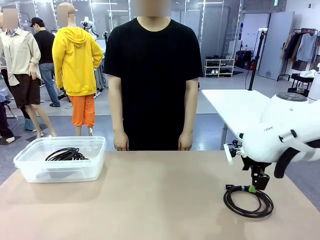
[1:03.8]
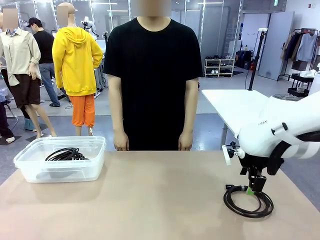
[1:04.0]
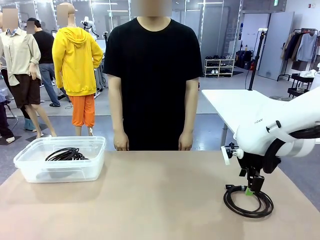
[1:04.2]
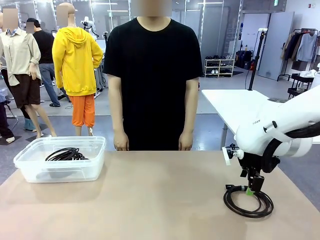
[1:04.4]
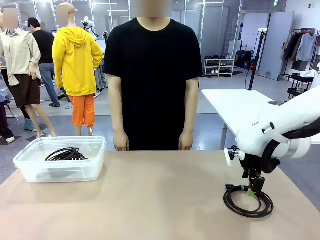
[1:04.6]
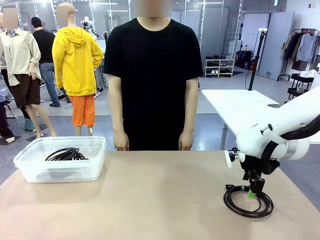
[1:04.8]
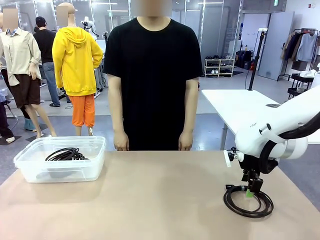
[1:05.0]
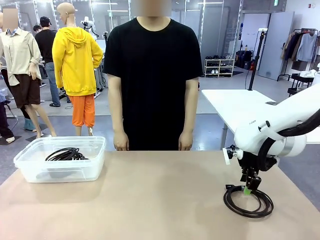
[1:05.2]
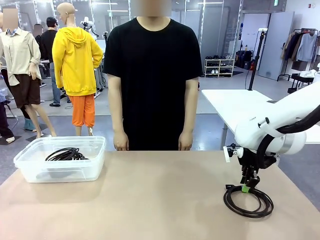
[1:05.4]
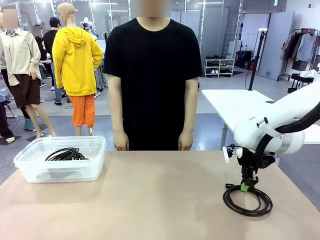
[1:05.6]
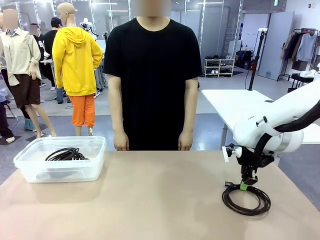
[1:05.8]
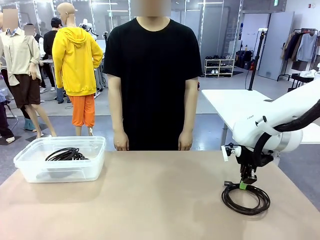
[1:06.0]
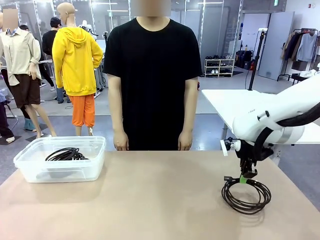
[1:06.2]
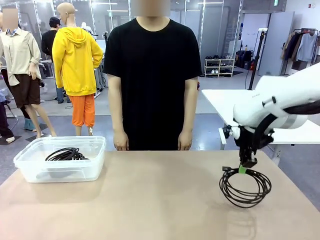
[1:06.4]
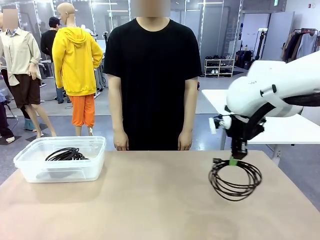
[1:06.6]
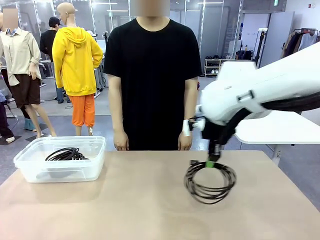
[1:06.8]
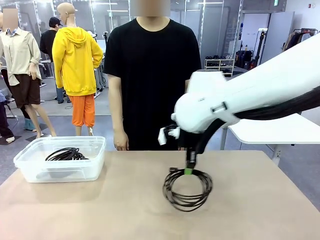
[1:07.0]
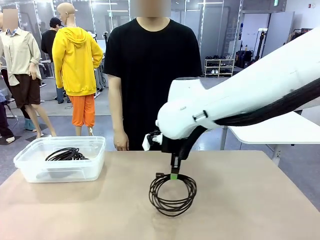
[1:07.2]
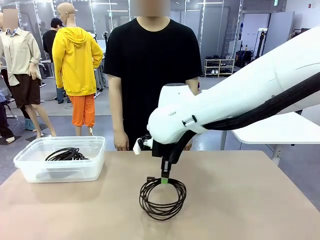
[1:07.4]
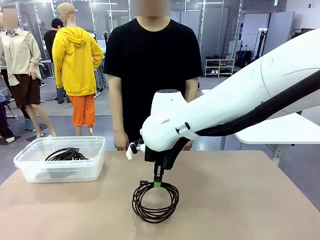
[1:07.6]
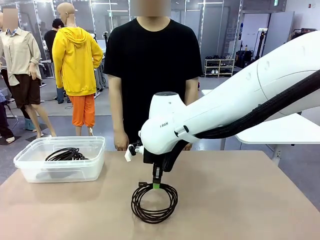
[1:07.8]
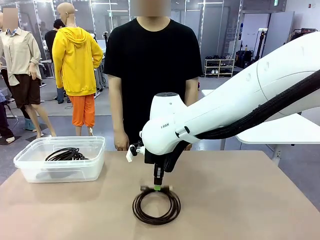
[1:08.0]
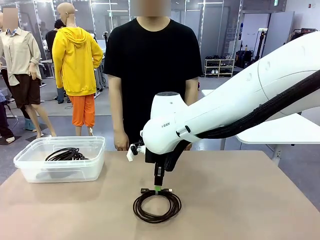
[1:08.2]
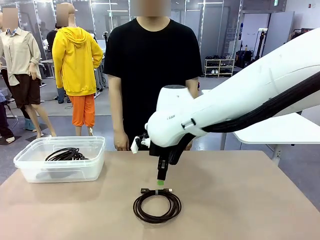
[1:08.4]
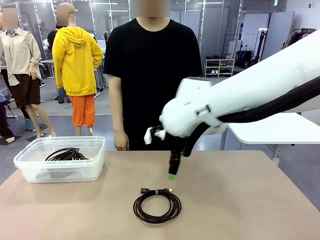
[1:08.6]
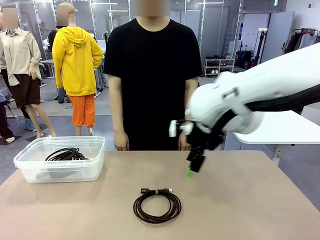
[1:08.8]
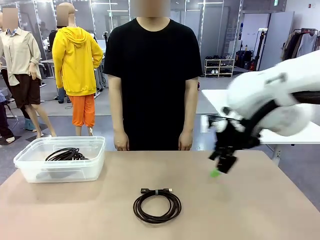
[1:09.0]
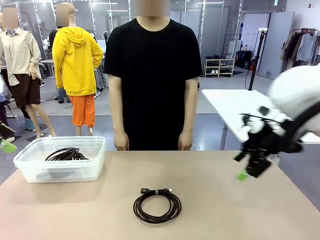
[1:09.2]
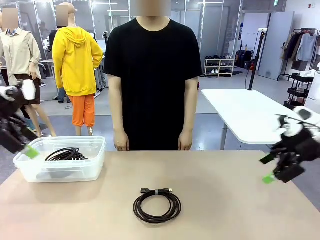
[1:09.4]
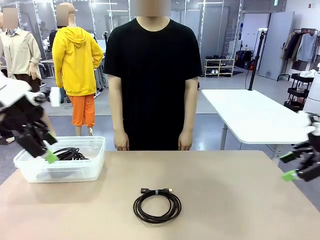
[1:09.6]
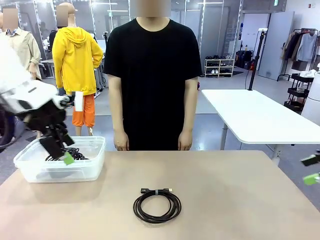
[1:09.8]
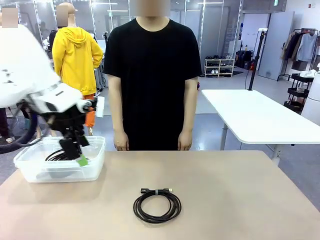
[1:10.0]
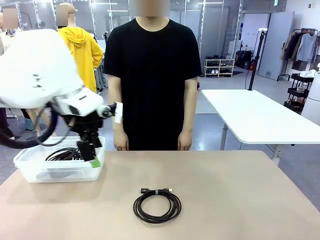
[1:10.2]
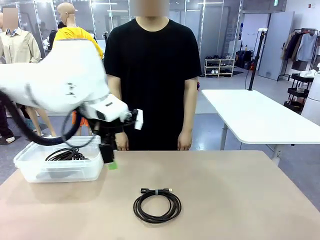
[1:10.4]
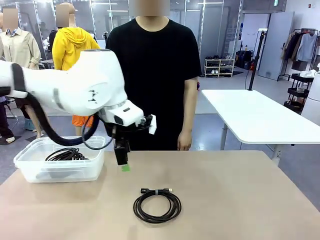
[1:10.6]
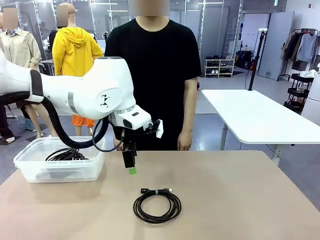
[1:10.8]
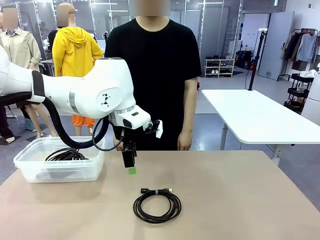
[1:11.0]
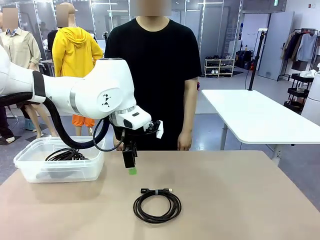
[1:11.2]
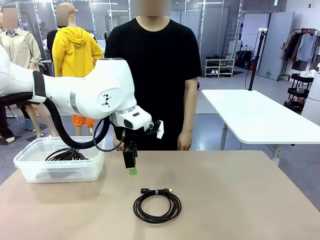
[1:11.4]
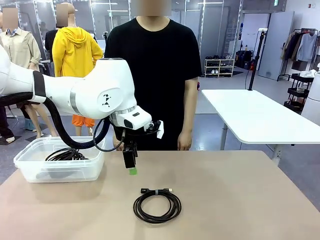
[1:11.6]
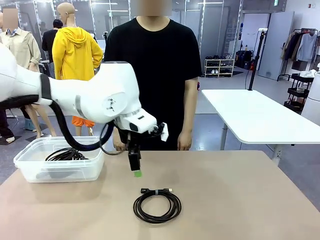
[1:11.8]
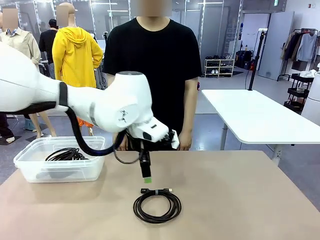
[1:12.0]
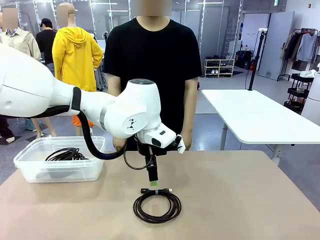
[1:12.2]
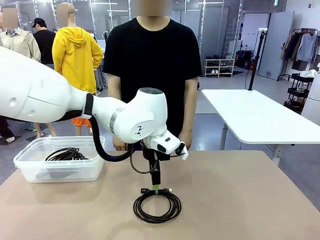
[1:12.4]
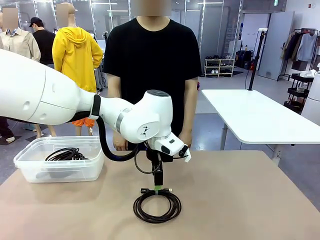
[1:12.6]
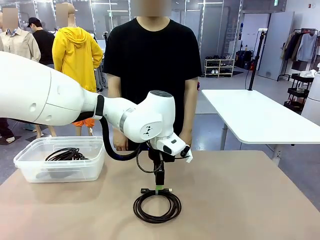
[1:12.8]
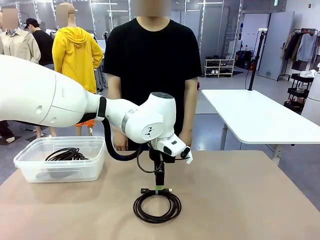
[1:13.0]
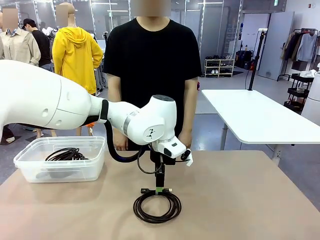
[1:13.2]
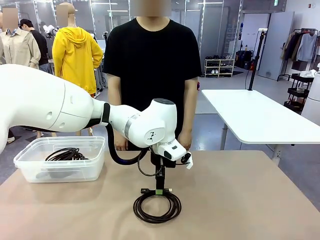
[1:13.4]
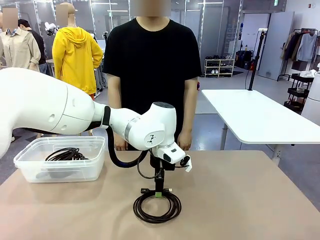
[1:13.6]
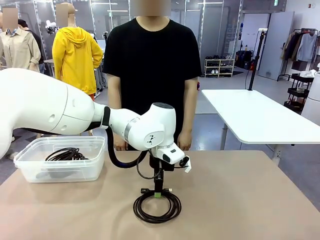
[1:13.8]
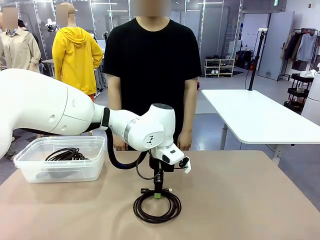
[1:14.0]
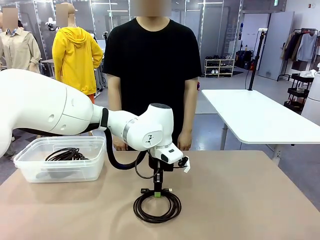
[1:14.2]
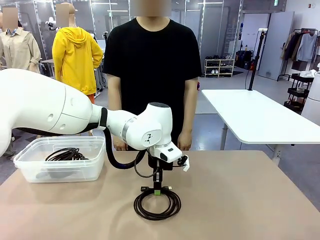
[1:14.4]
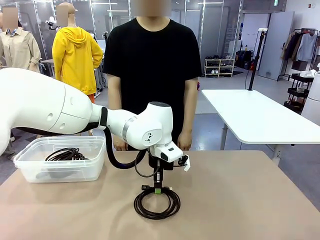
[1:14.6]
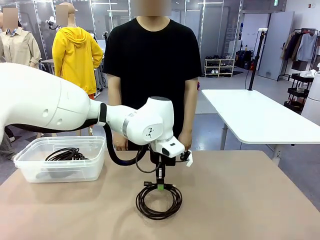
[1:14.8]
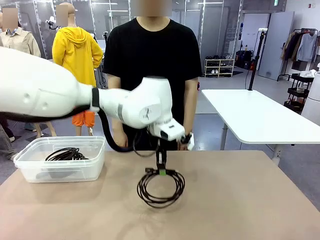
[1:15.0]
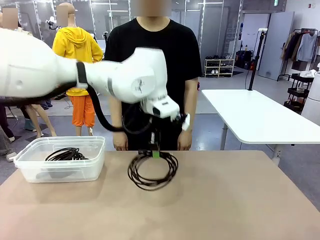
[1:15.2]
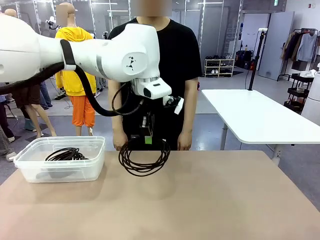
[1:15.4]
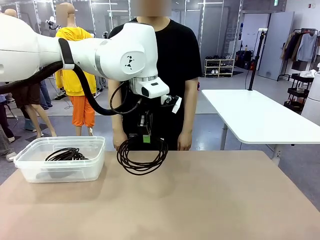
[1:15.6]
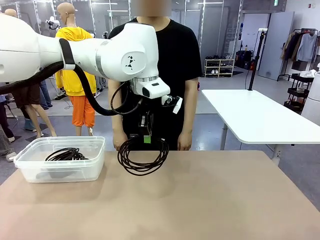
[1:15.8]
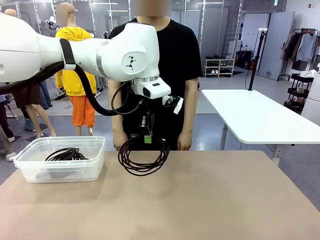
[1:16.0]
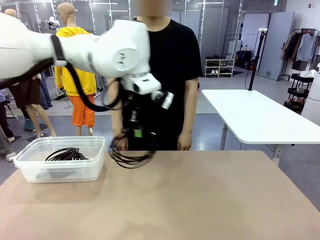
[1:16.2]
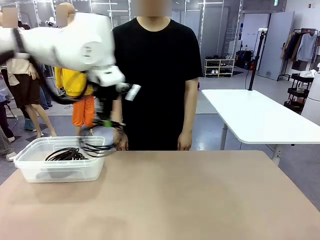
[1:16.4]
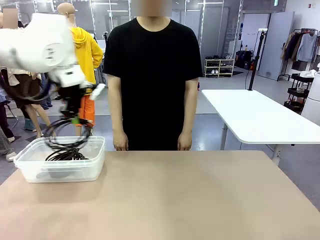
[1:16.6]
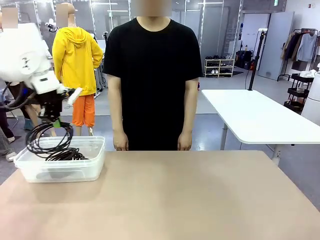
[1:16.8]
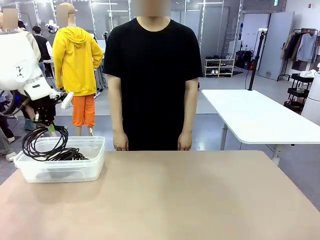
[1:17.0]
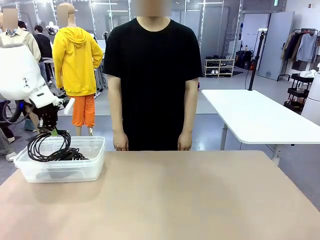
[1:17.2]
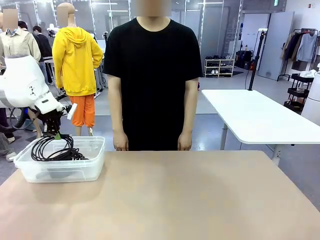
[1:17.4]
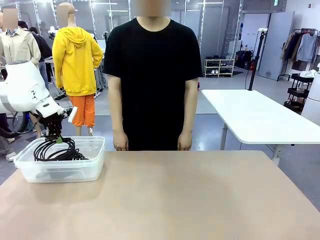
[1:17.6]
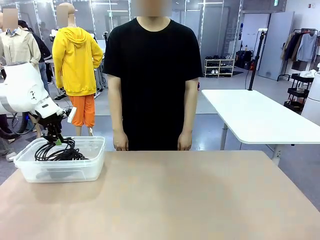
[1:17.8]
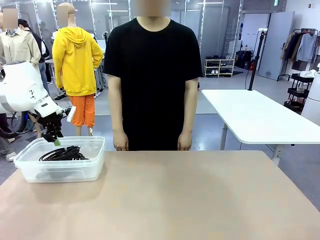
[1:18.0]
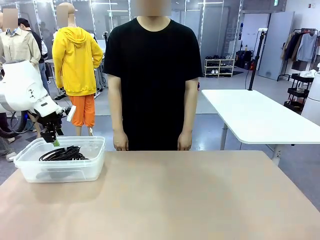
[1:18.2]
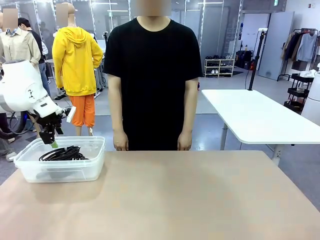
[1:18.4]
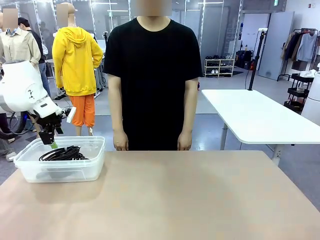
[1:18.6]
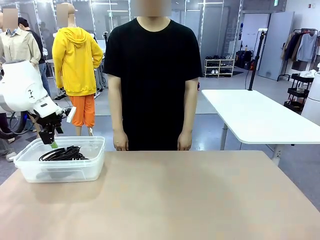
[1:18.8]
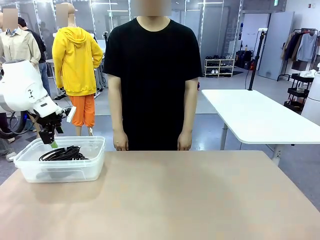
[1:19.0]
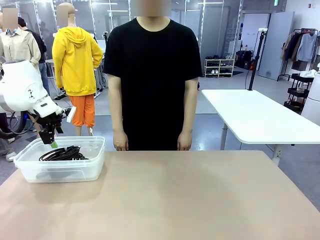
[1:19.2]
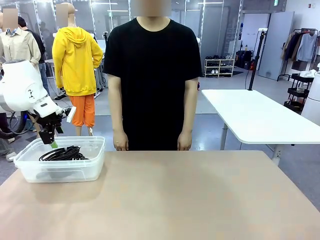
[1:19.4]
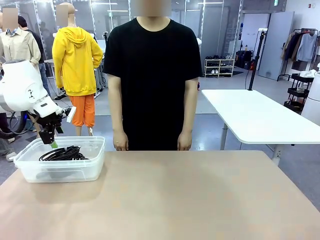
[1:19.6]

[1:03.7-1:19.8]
Task: Organize and store the cables.
Robot: Place the USB Extension Cable into the Organizing box.
